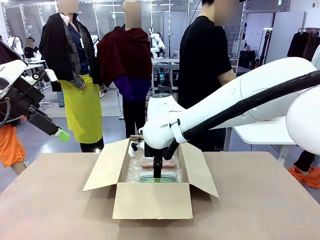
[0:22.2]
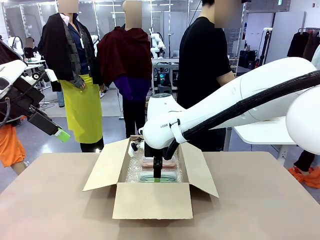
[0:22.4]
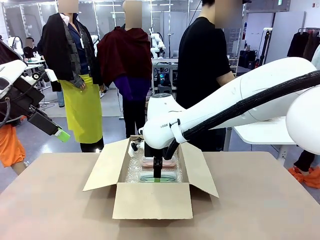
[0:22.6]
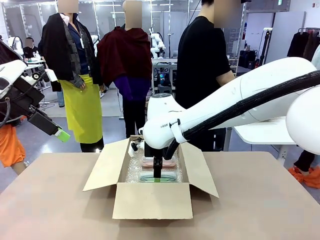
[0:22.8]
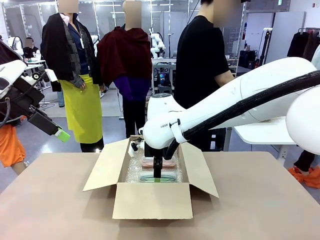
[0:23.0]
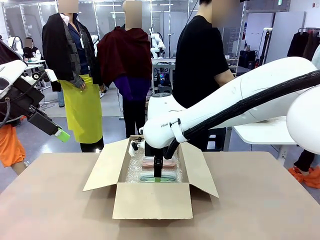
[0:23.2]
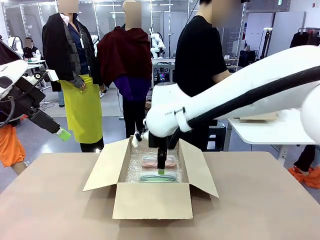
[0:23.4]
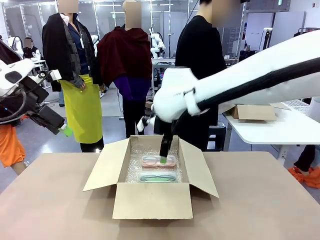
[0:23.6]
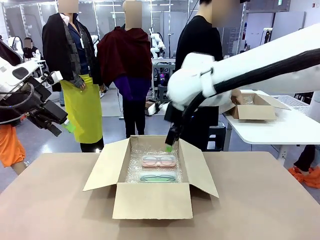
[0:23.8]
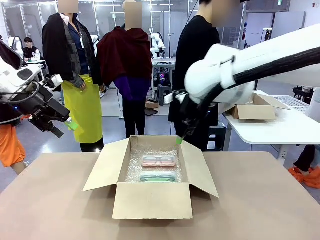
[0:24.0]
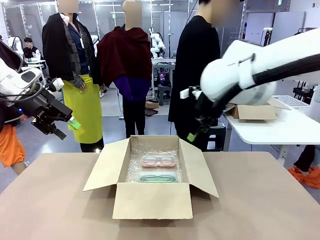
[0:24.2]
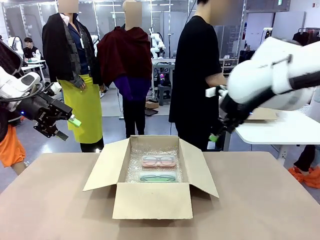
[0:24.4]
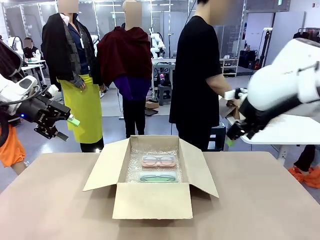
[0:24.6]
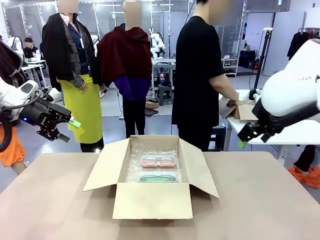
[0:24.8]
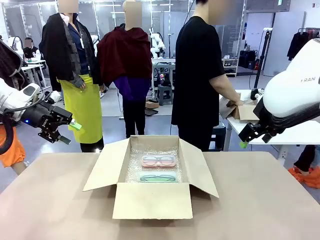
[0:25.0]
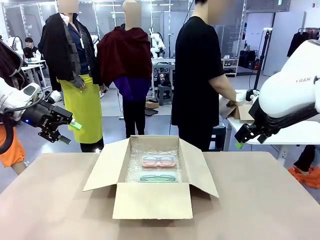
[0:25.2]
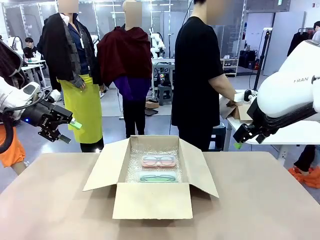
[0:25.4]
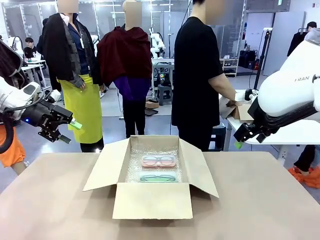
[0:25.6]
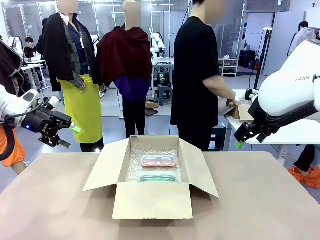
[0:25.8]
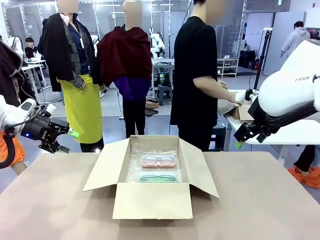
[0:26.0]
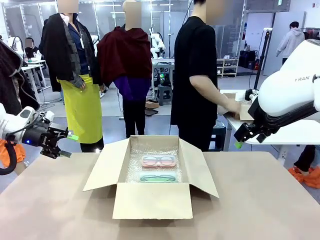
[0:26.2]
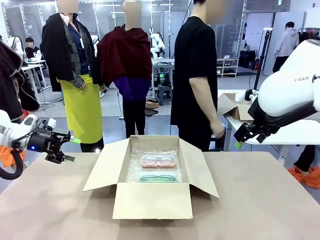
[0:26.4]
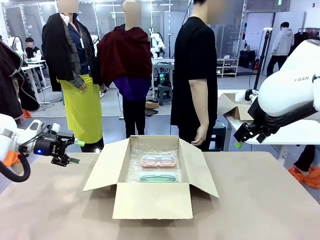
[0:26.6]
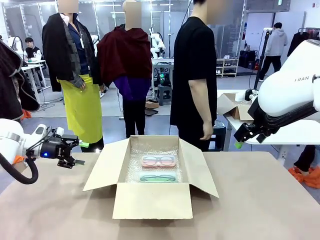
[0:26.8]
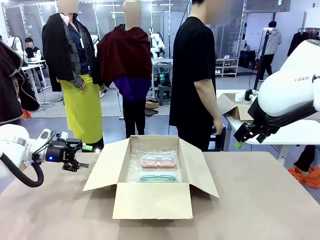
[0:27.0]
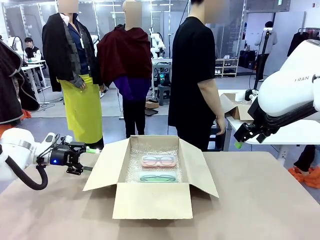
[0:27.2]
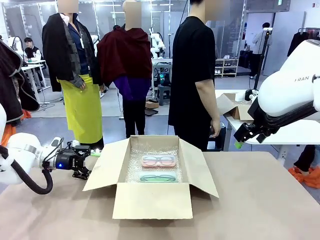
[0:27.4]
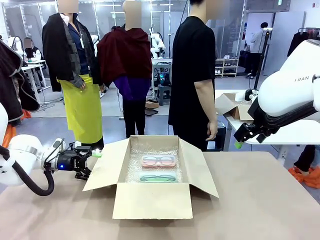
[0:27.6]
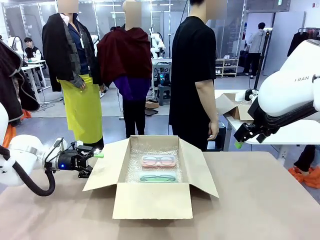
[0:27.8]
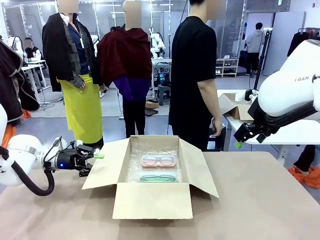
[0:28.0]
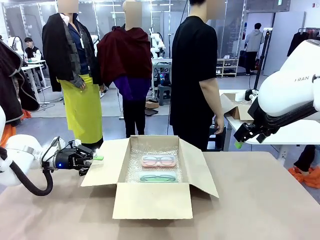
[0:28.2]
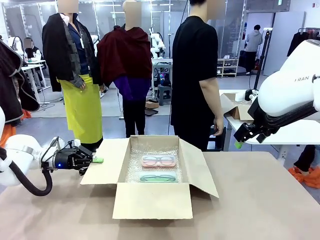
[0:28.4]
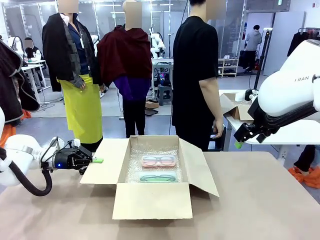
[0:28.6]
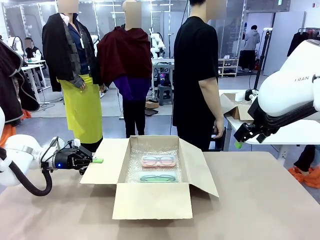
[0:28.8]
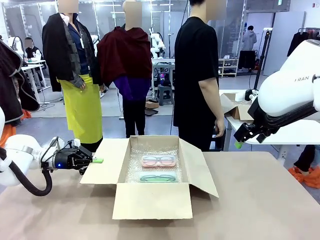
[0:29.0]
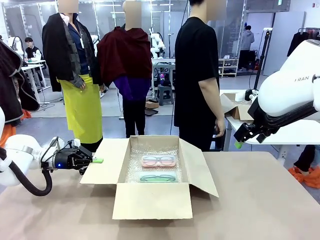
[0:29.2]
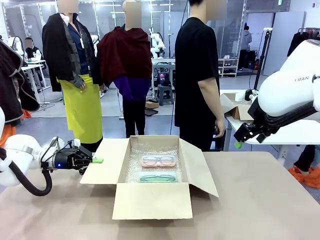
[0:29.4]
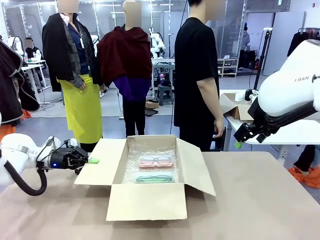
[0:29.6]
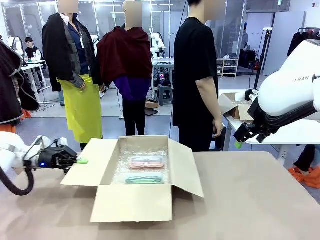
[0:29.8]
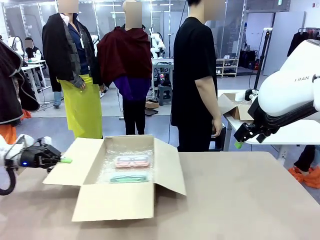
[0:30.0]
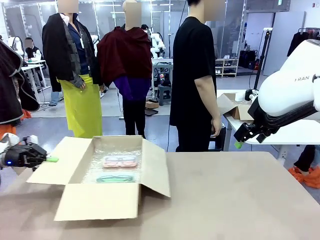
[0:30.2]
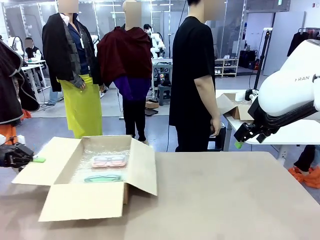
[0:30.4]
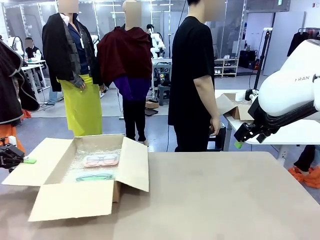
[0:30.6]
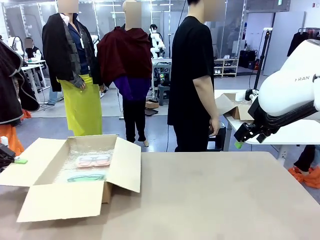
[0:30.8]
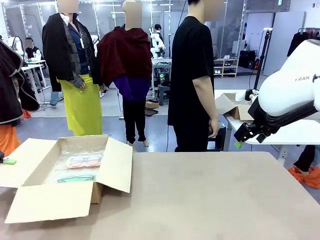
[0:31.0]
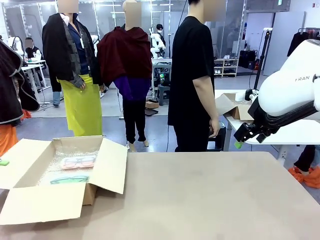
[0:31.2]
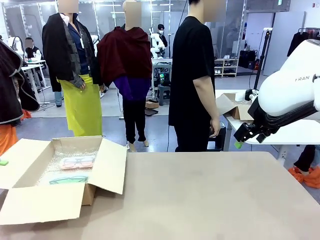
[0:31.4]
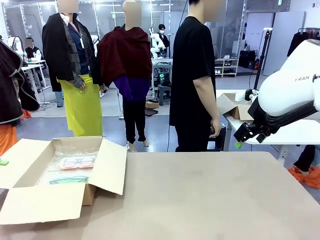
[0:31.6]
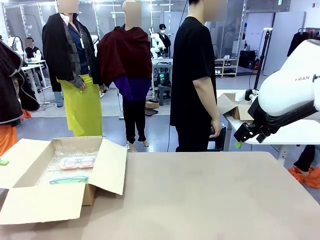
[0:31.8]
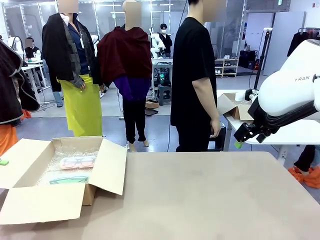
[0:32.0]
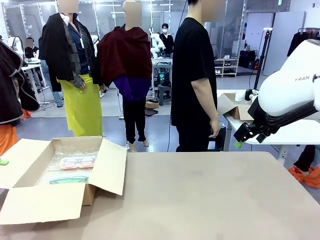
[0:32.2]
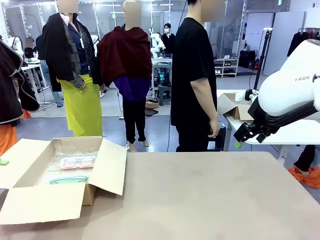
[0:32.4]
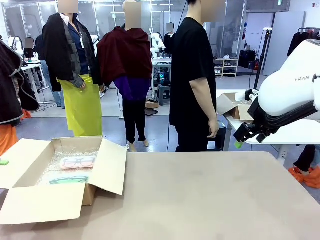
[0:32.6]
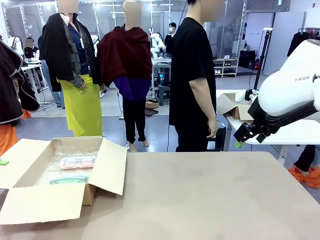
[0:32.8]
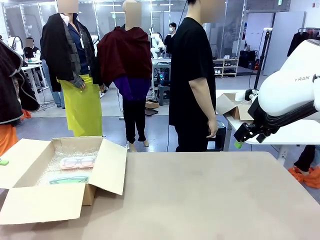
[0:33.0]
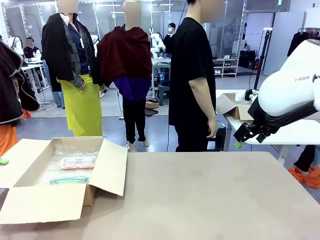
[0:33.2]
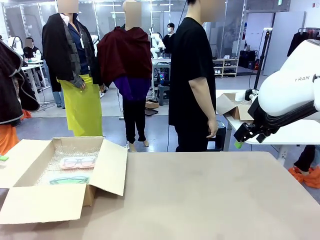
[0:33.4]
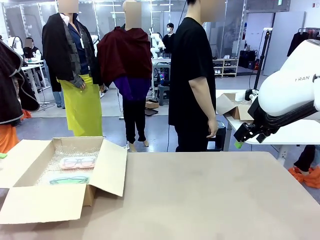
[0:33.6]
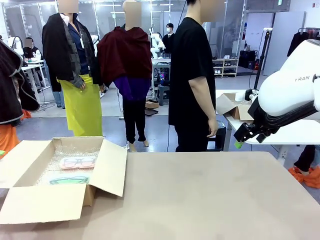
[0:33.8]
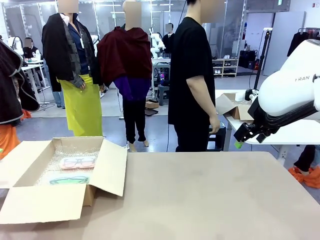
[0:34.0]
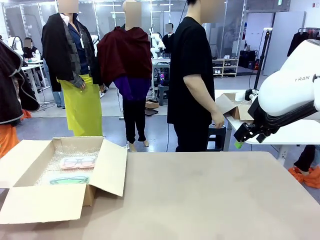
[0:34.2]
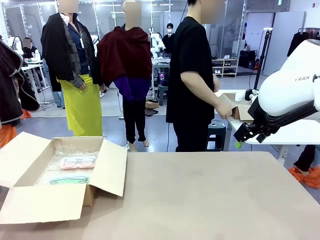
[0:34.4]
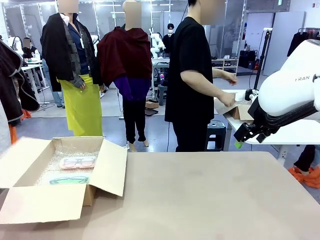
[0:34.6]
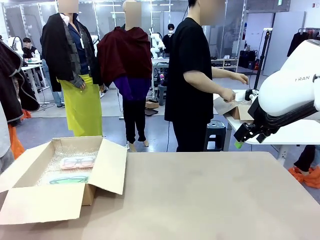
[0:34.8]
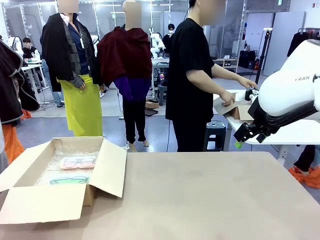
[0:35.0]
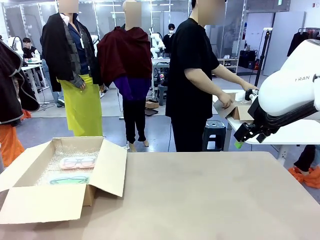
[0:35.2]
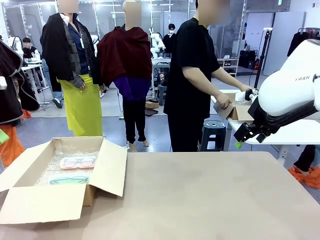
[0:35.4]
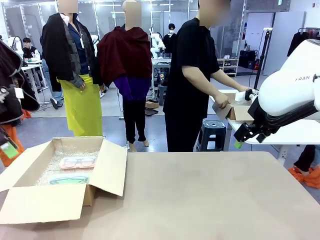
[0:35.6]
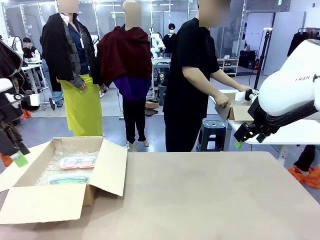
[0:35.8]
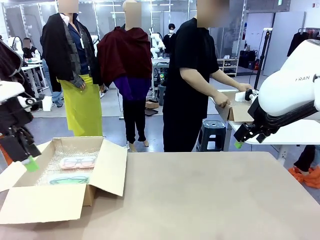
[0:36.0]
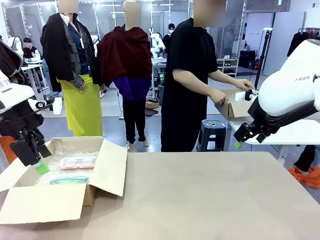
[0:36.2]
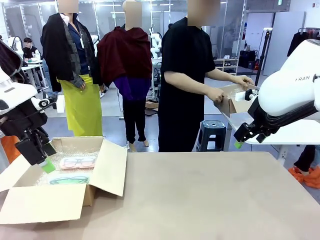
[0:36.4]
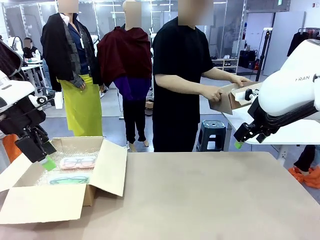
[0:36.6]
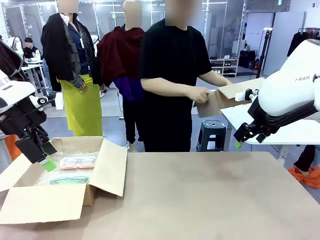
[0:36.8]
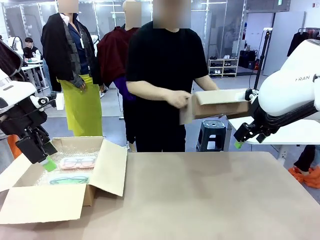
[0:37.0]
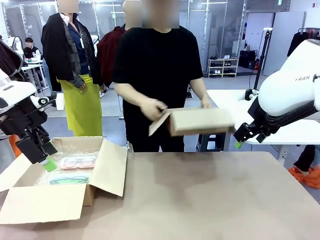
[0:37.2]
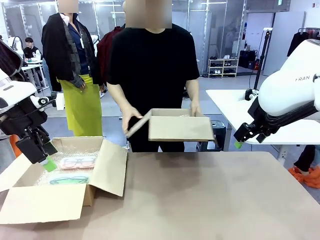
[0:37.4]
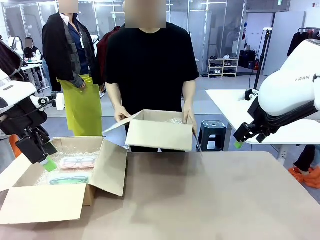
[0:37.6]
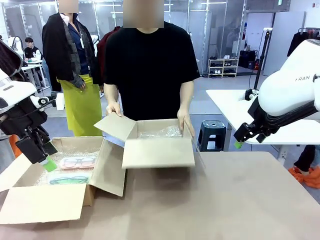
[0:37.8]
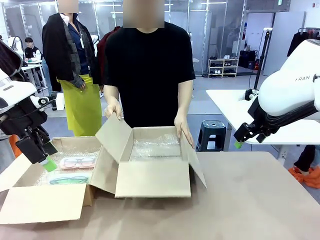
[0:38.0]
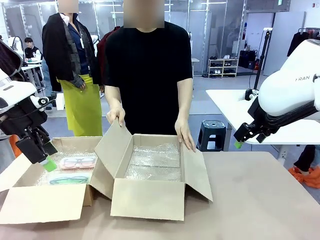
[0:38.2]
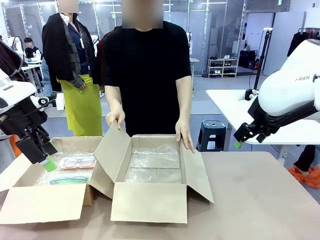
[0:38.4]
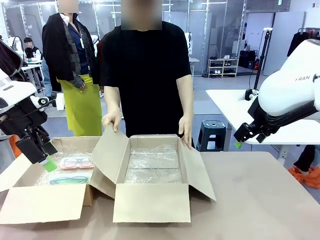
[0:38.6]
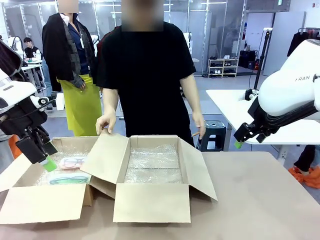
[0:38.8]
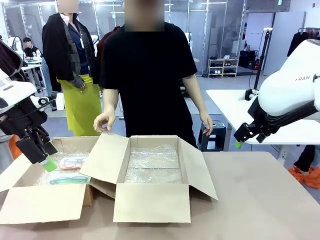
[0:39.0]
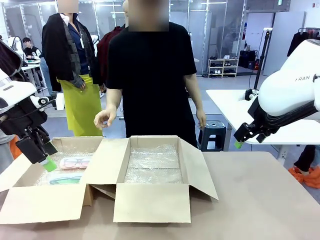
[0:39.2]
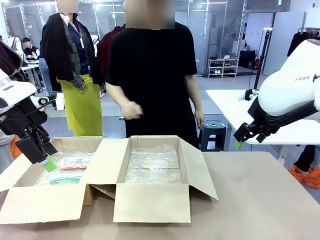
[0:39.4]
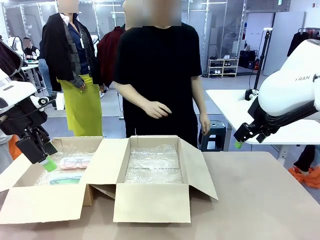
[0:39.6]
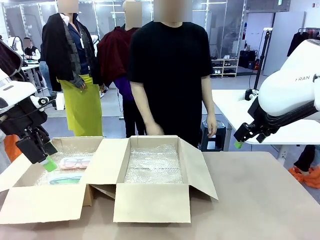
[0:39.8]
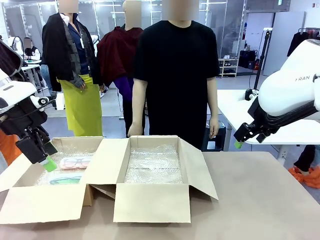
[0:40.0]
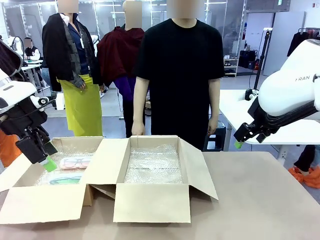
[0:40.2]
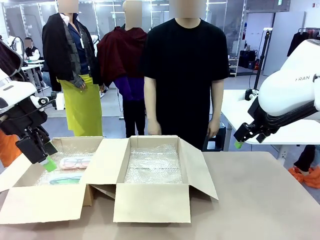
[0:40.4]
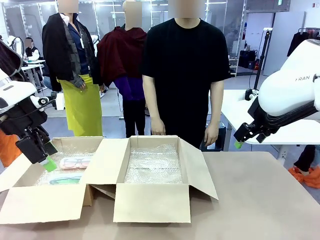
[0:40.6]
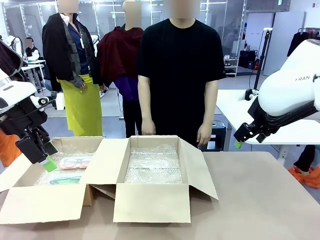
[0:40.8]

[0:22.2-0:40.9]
Task: Pack the glasses set securely to prepare it for shipping.
Robot: Position the Package Box on the left side of the table.
Person: Position the empty Package Box in the middle of the robot's table.
